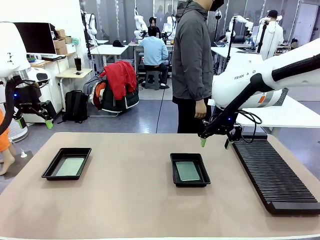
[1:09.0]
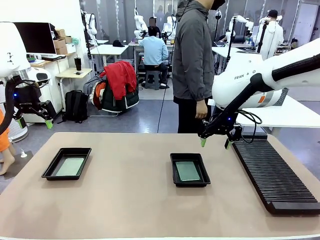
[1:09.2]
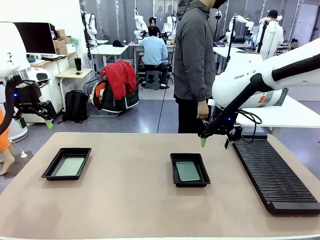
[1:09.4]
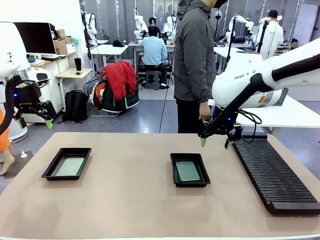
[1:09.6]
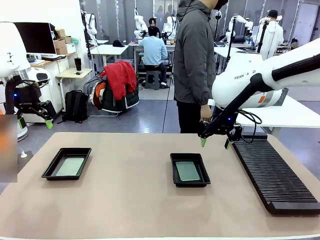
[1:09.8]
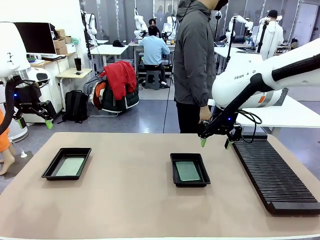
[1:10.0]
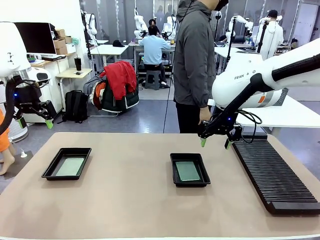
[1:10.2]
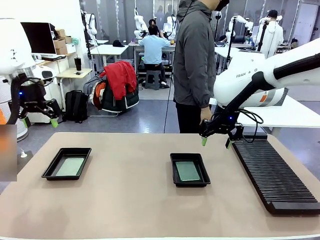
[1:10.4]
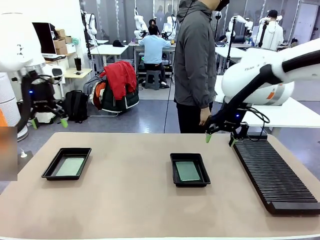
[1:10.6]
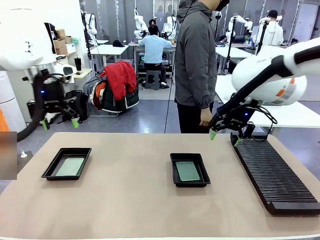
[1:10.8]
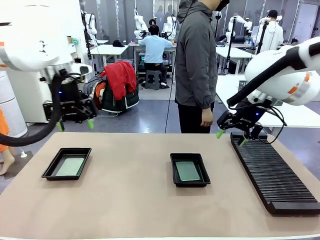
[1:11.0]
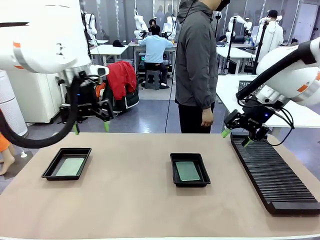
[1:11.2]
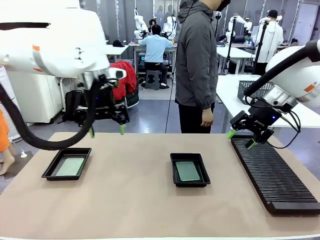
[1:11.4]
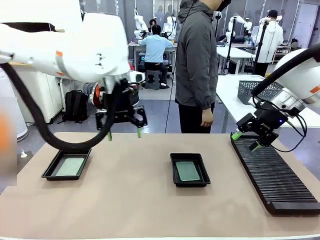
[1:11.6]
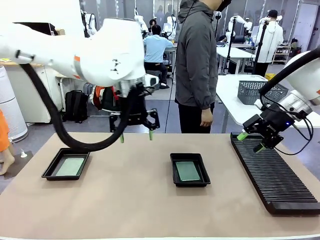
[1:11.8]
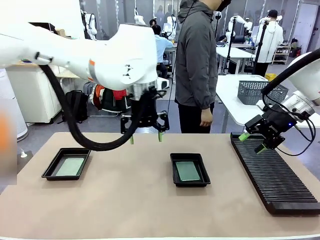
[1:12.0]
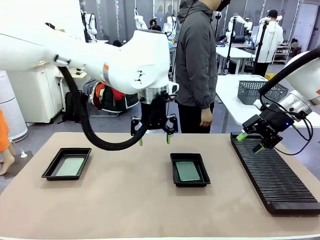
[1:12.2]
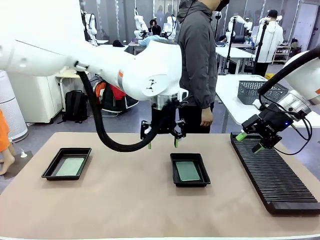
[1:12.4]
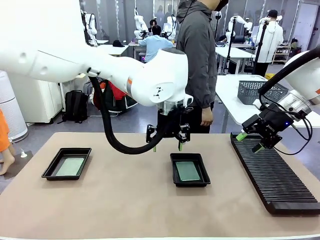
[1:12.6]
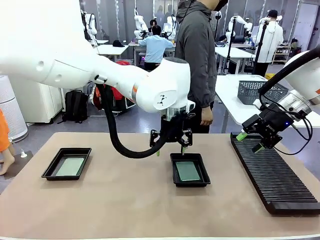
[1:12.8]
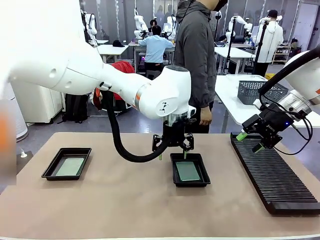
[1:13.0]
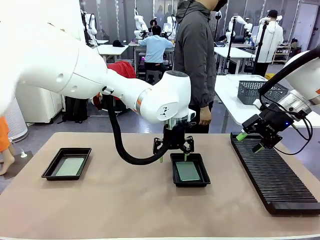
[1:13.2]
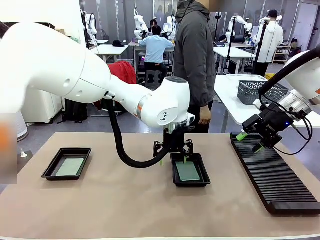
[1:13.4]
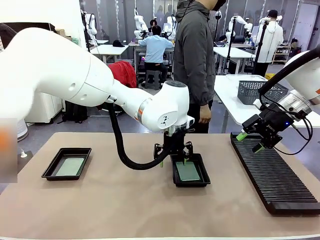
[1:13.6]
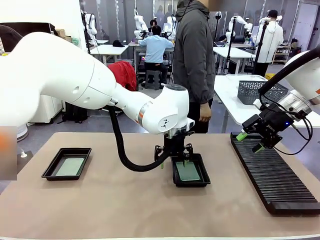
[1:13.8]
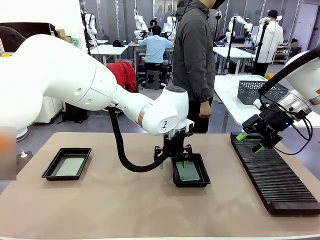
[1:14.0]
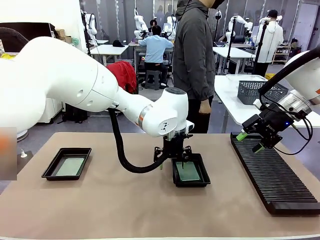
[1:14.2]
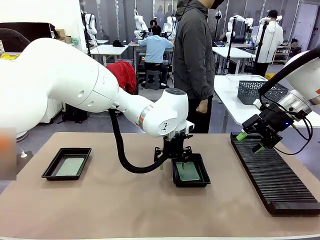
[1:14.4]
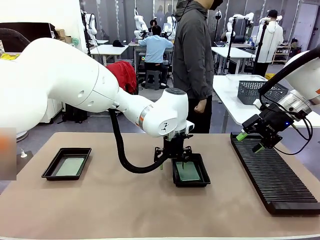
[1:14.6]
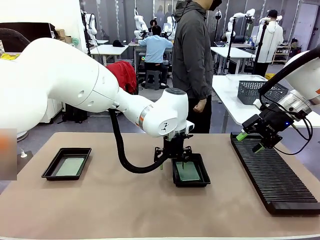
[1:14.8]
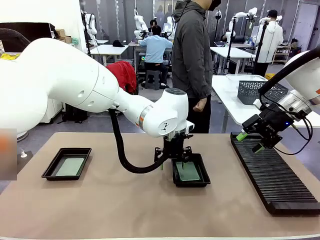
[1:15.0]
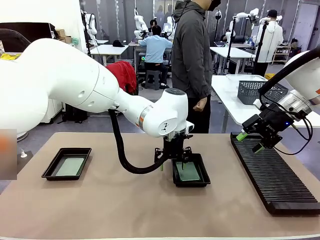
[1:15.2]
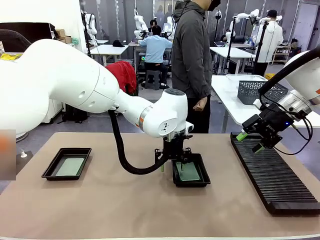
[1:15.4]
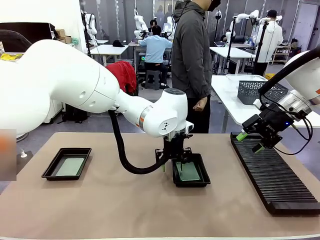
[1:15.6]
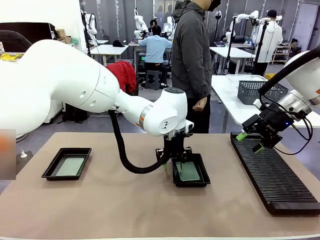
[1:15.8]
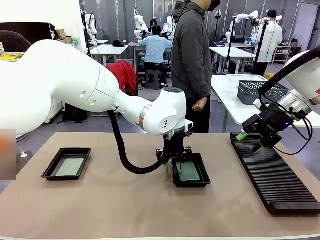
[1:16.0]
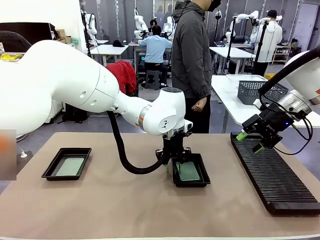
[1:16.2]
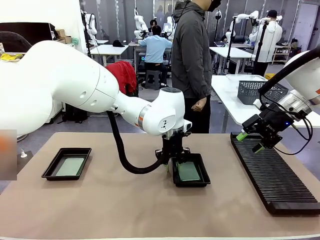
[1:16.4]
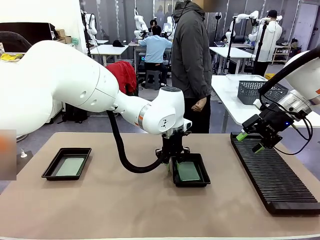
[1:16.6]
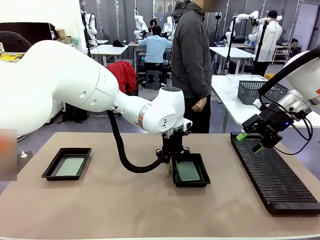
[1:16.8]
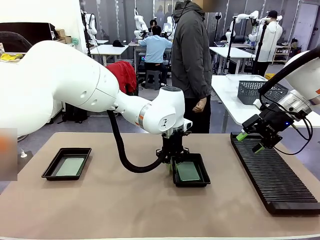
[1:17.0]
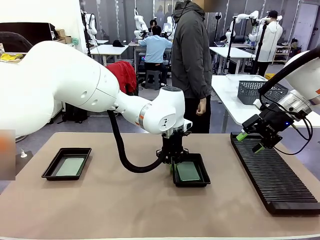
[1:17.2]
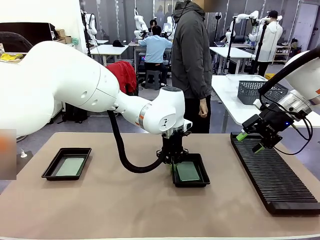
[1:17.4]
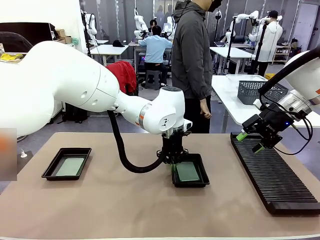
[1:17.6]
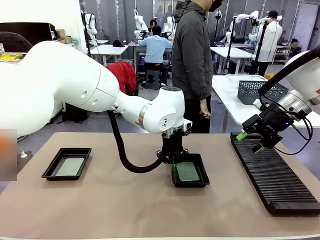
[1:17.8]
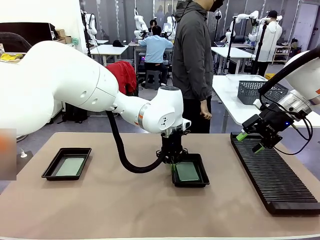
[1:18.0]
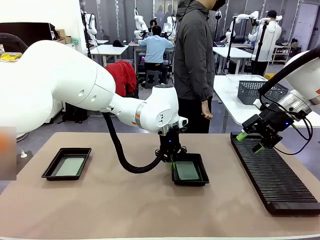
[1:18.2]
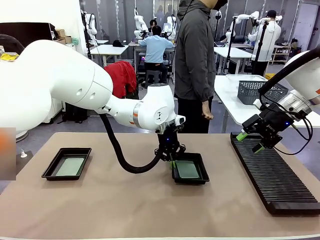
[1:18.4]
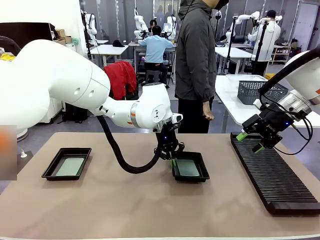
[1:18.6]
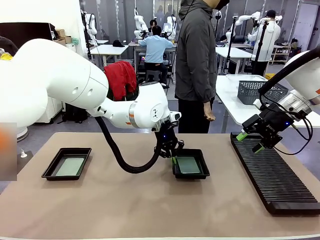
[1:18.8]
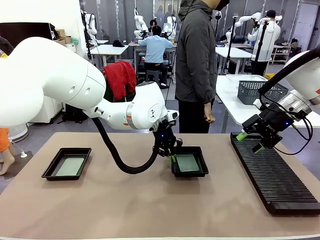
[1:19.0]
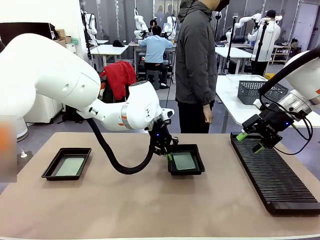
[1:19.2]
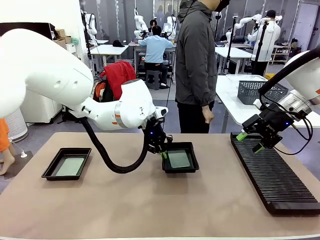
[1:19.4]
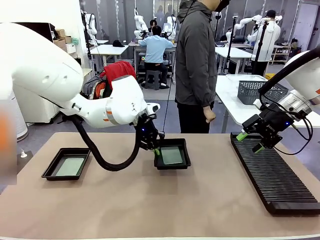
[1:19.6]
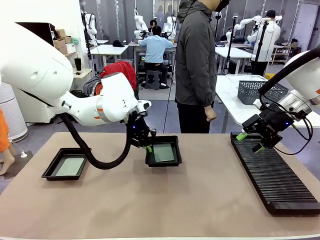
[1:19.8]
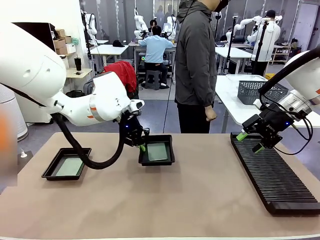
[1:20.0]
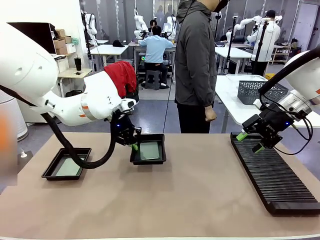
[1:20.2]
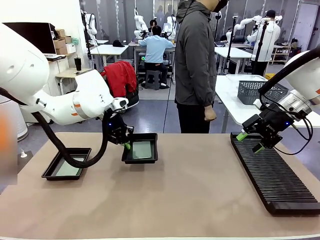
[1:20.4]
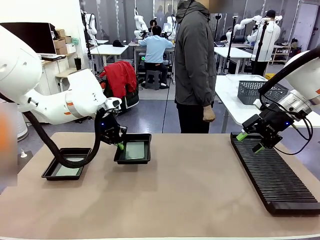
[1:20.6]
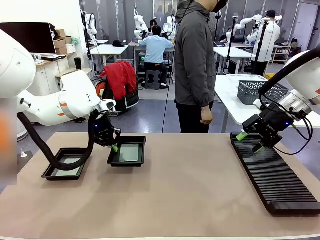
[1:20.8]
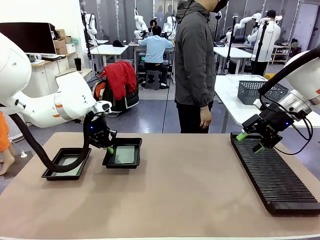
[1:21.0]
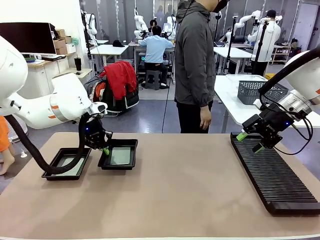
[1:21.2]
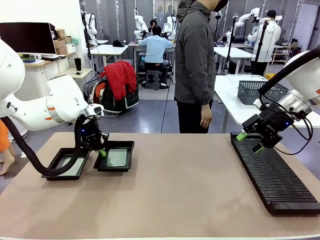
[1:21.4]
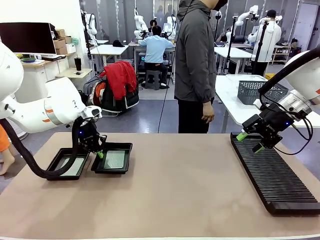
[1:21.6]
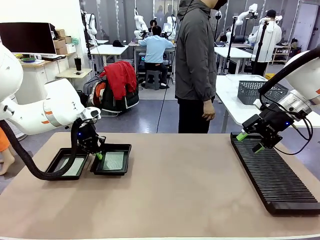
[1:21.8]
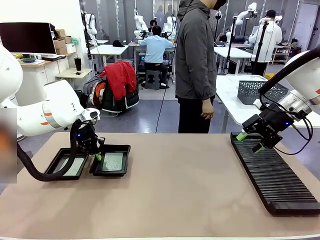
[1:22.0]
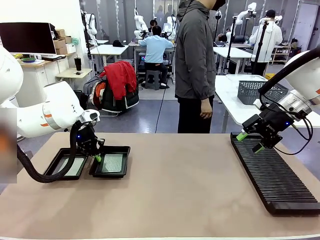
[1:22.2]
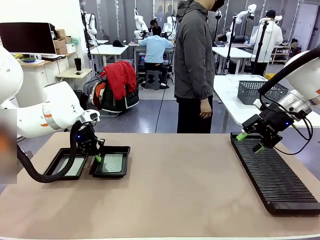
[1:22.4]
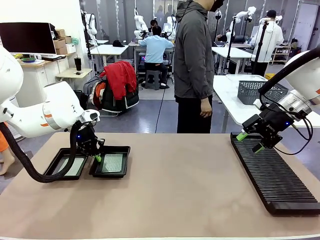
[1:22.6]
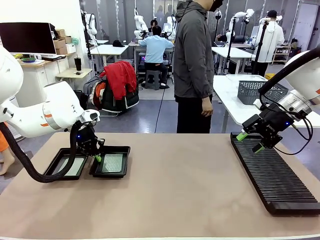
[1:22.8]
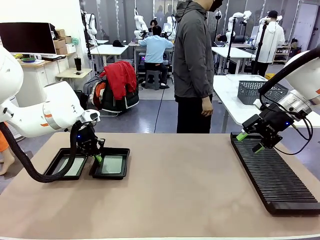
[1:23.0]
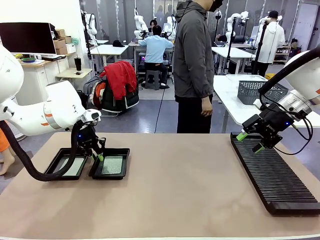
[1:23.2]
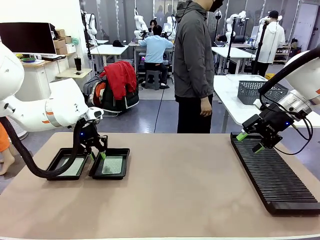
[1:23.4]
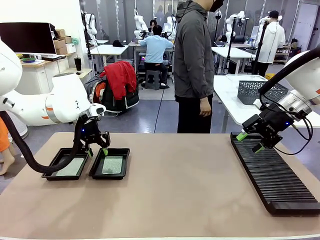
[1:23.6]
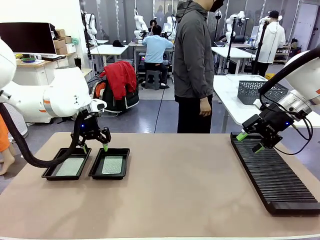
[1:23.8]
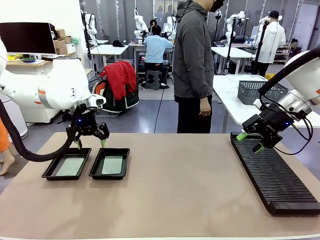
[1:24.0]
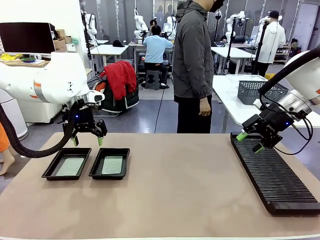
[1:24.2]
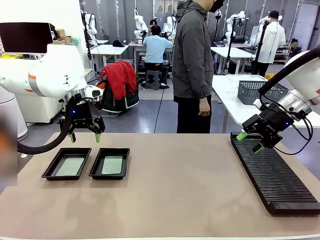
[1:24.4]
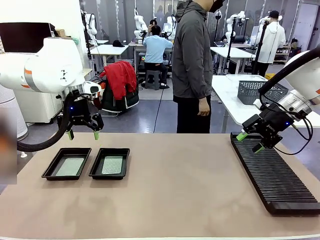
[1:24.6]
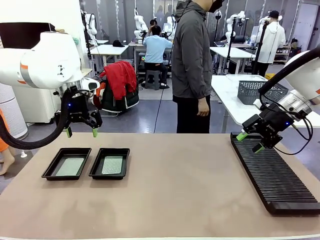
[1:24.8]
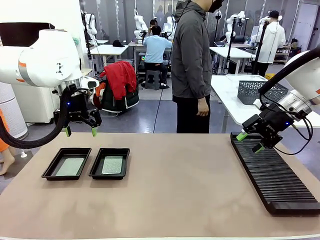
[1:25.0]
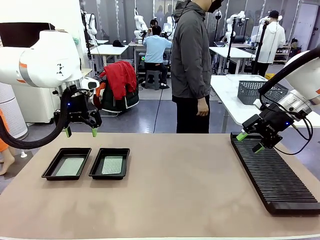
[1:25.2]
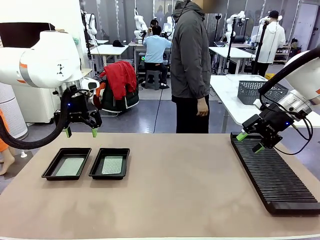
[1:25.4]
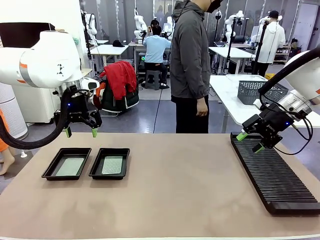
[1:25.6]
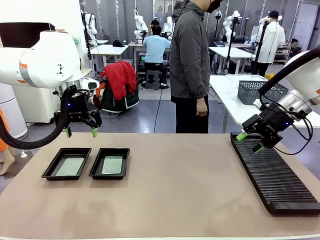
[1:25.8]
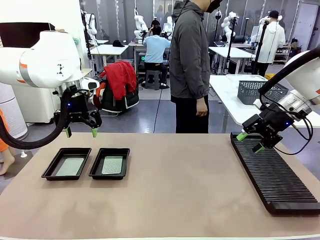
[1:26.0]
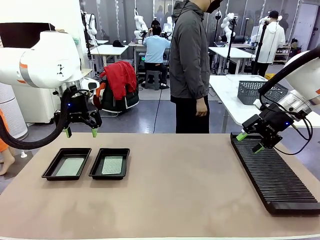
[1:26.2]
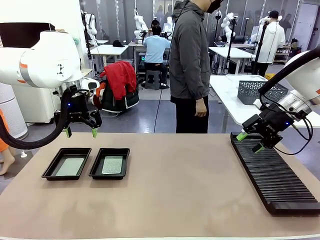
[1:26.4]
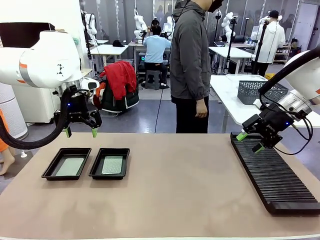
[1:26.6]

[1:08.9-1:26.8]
Task: Inspect and transfer BCBs to ESD trays.
Robot: Pick up the ESD tray and place it on the left side of the table.
